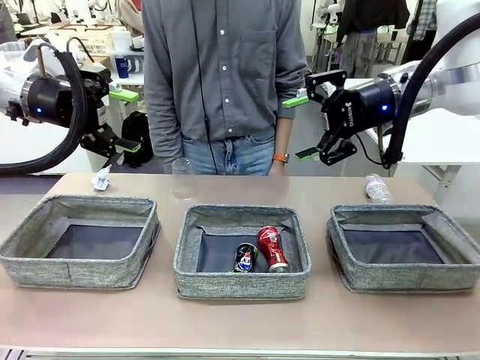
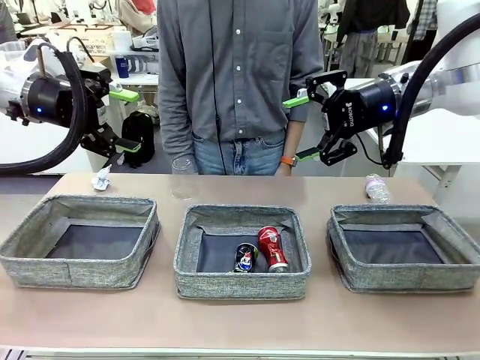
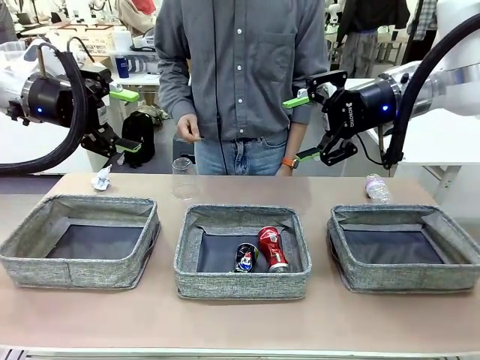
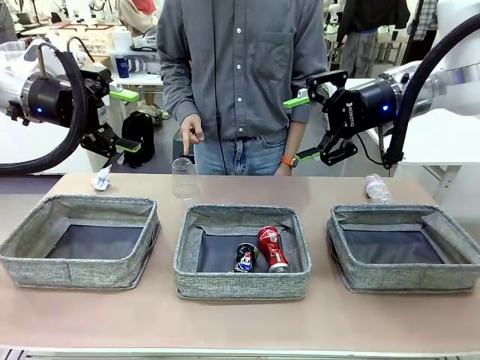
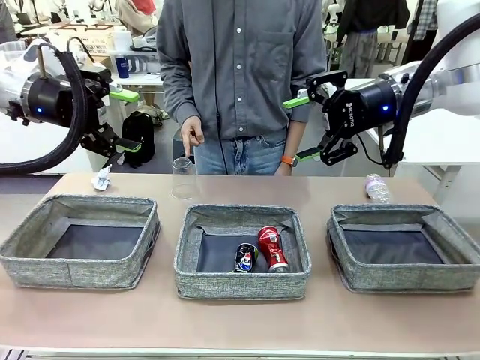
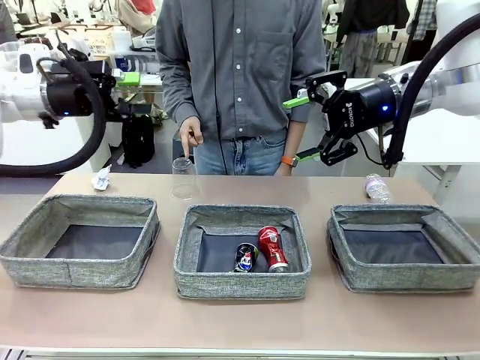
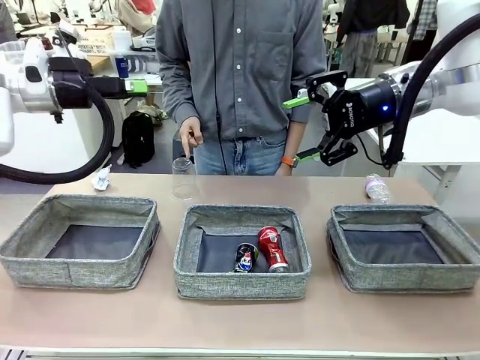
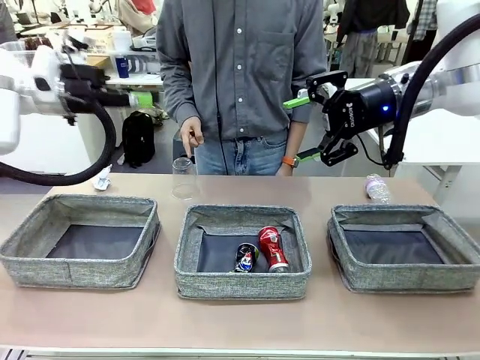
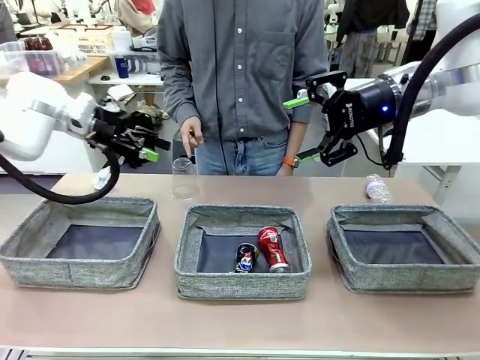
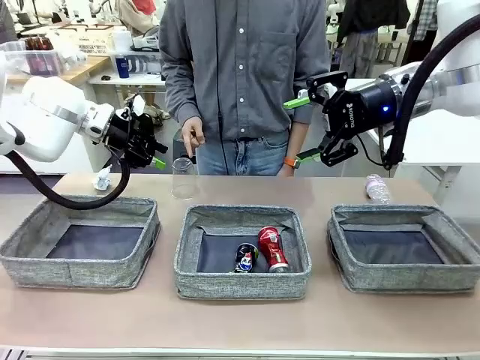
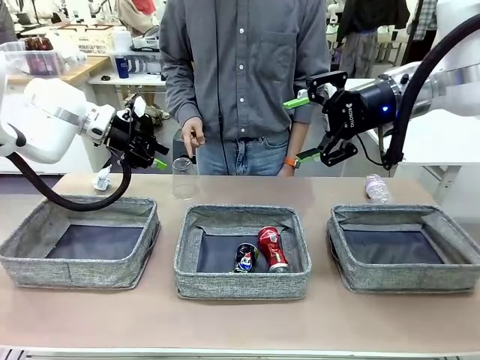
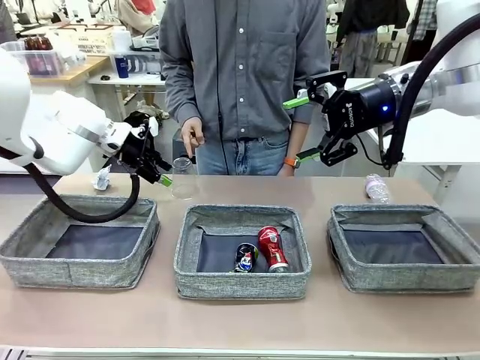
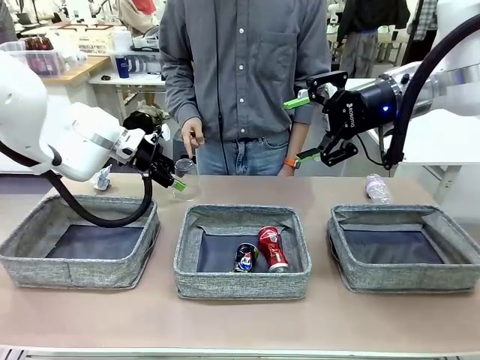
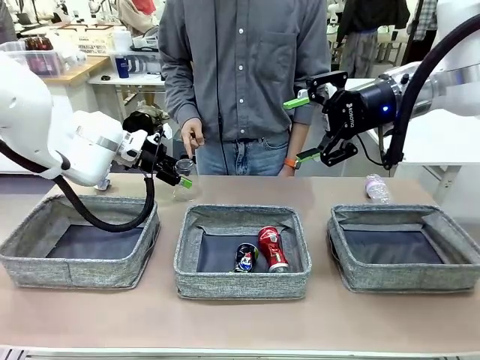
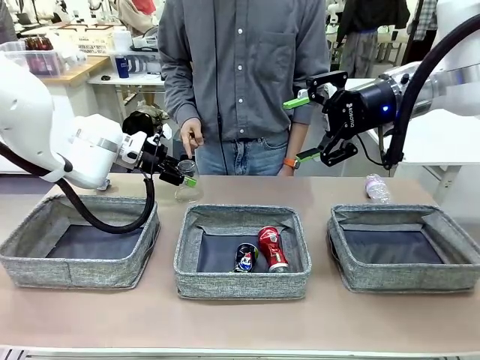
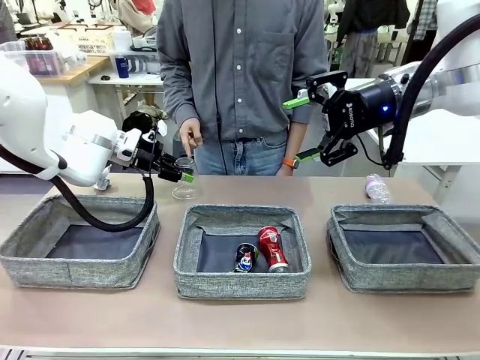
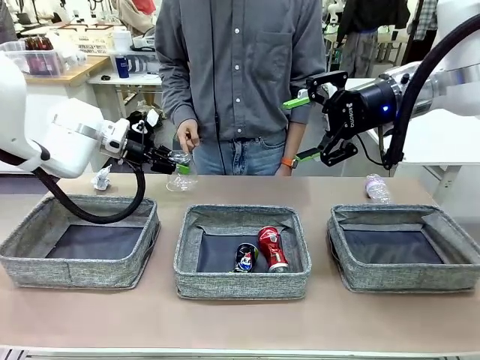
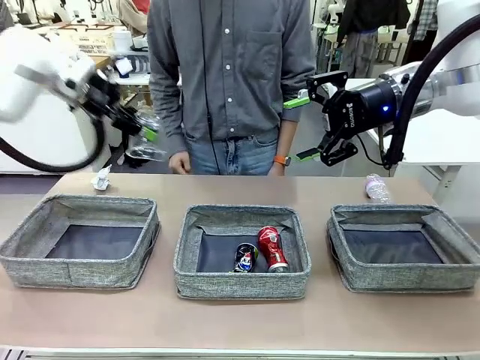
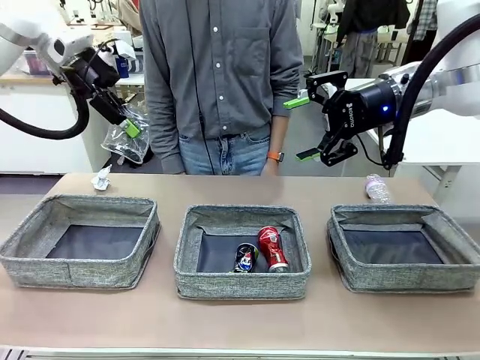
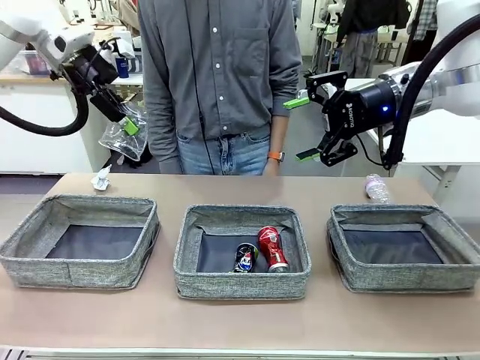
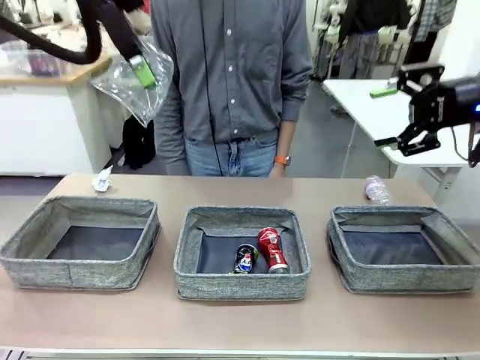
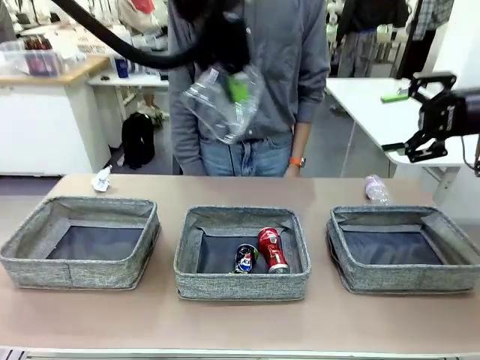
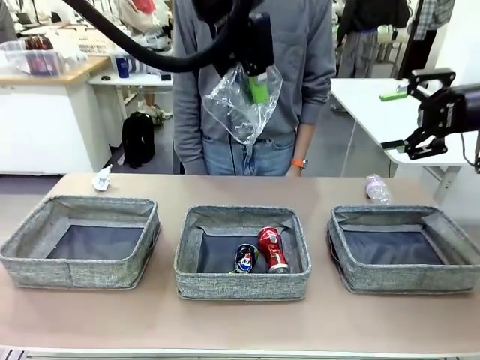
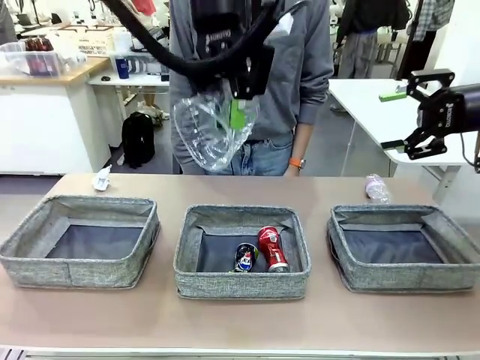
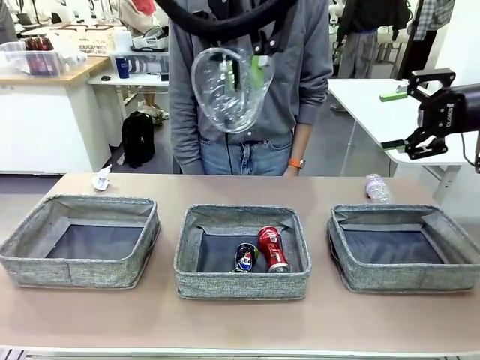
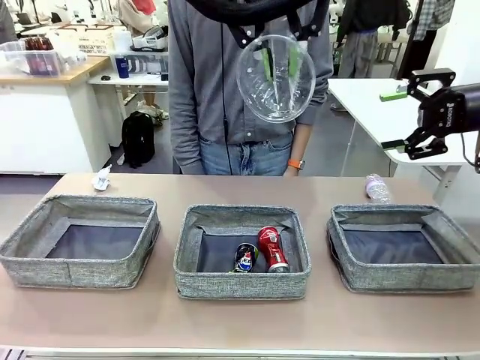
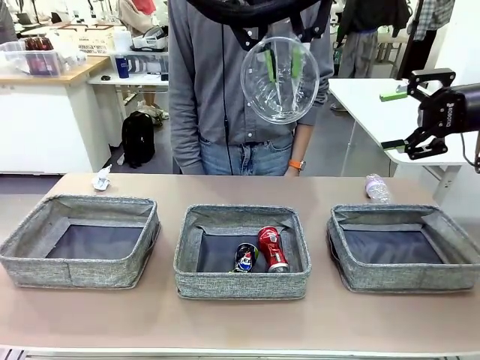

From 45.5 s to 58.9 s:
Task: Sort the waste into the appropriate baskets.
Robot: Pick up the waste item pointed out by the person.
Person: Points to one piece of trash on the table.

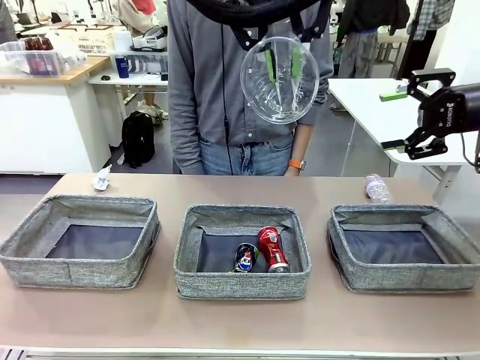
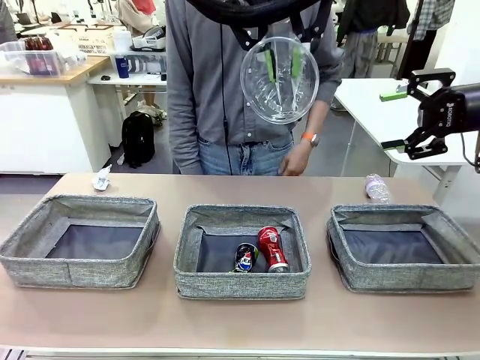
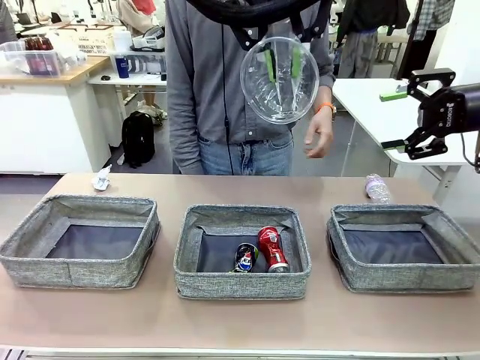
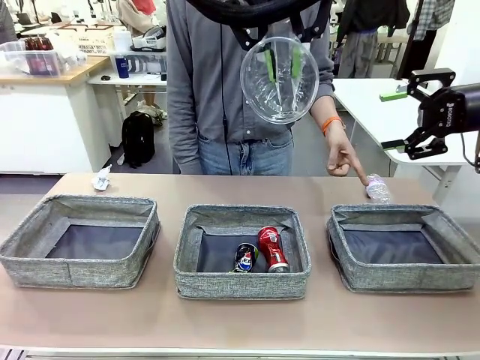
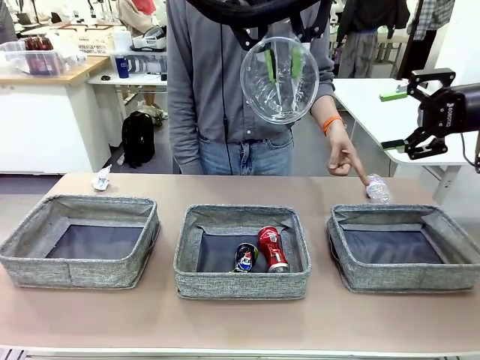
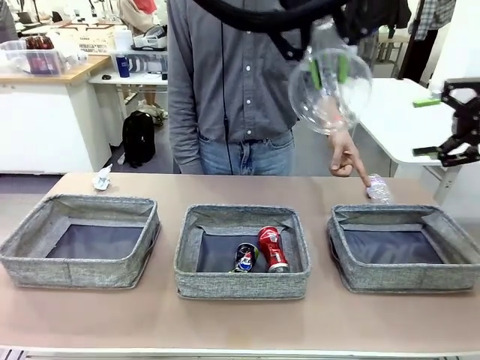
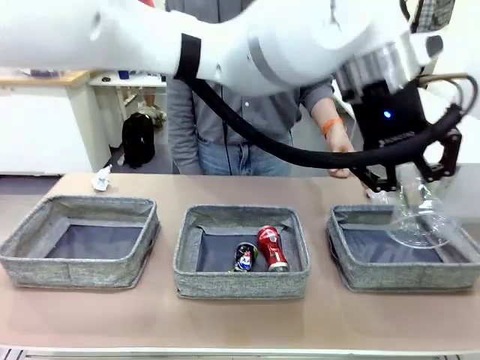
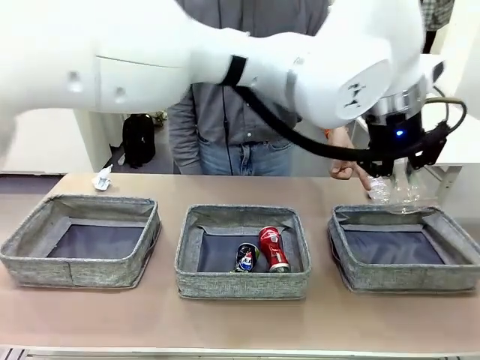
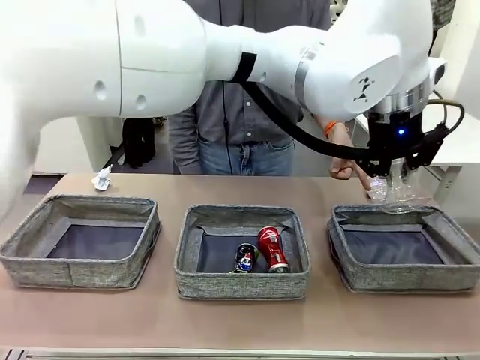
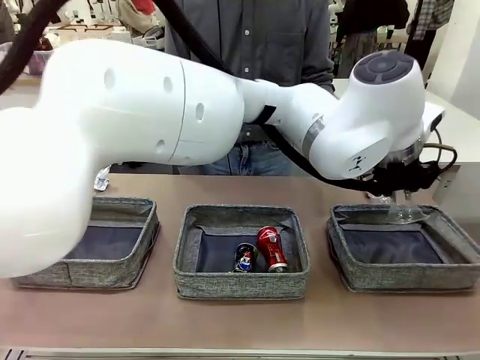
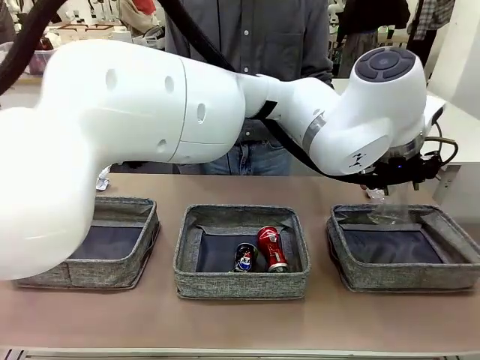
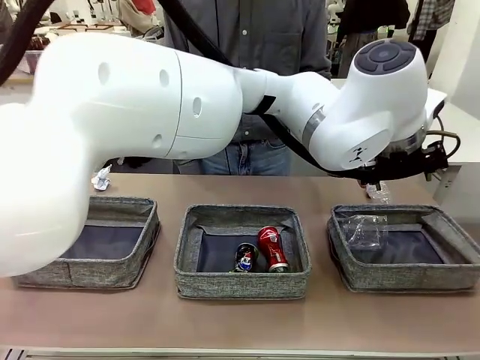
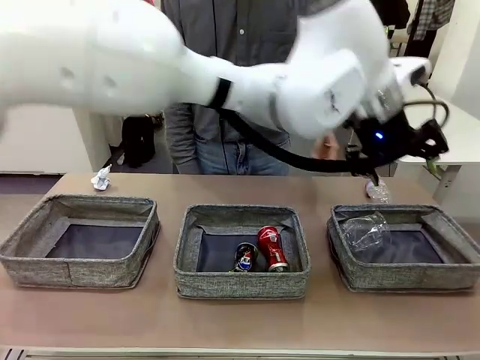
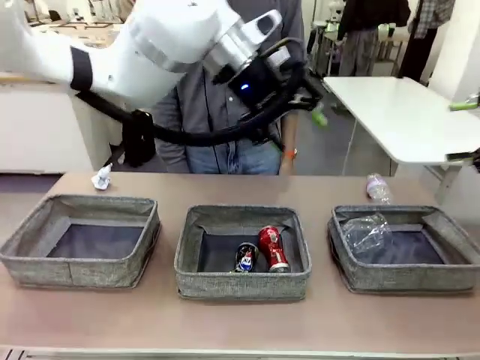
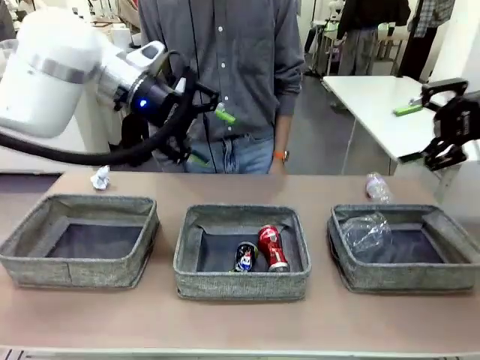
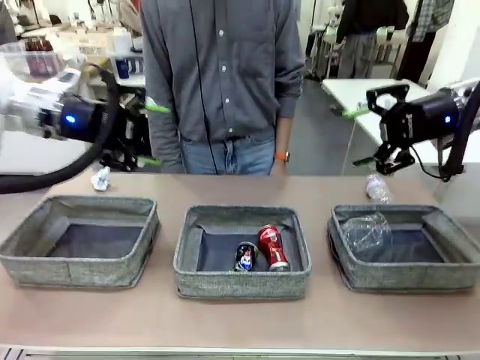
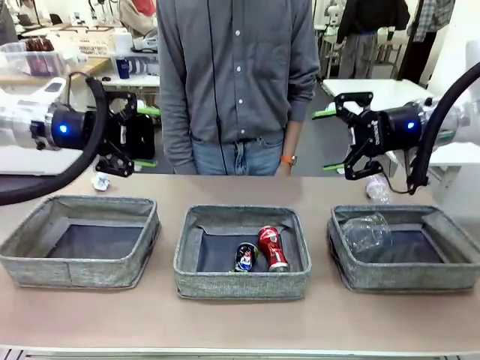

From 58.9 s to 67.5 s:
Robot: Place the picked waste into the Fabric basket indicated by the person.
Person: Instructs the robot to place the picked-up trash into the appropriate organizing basket.

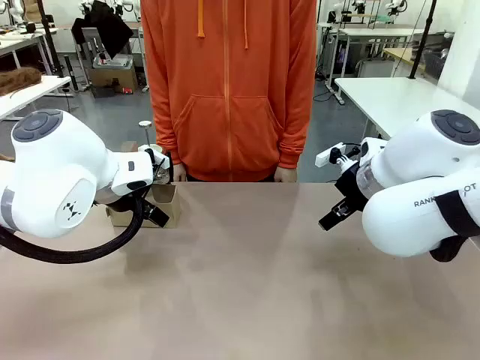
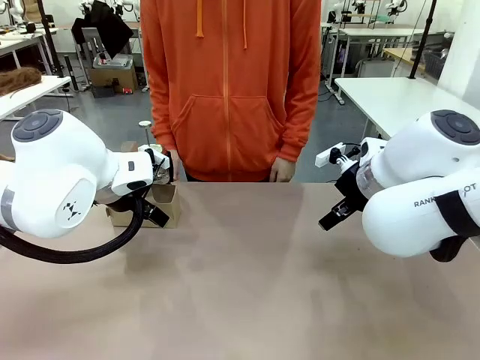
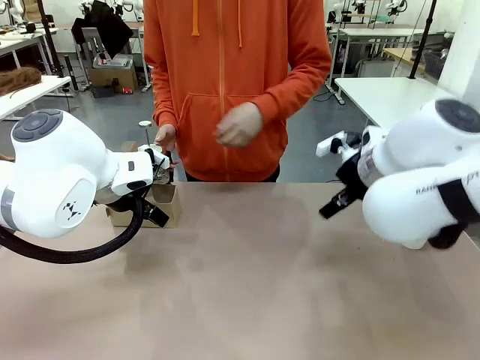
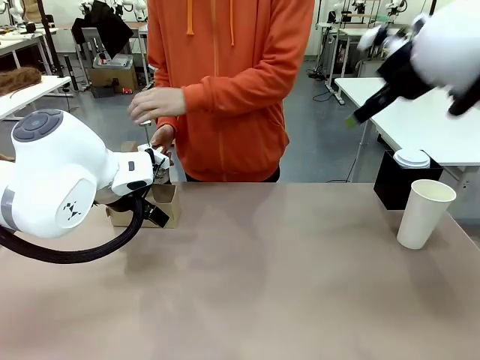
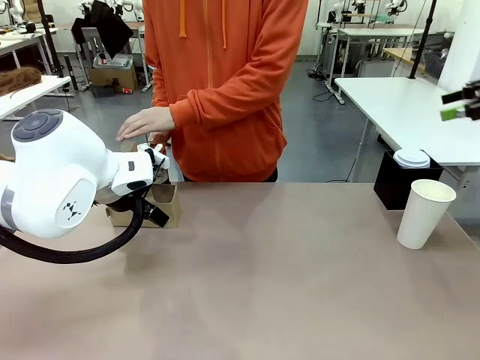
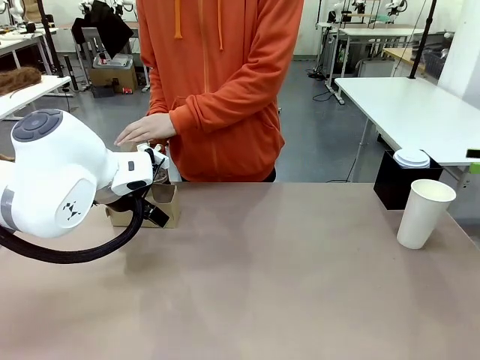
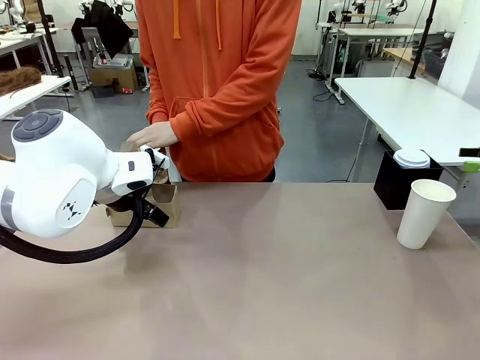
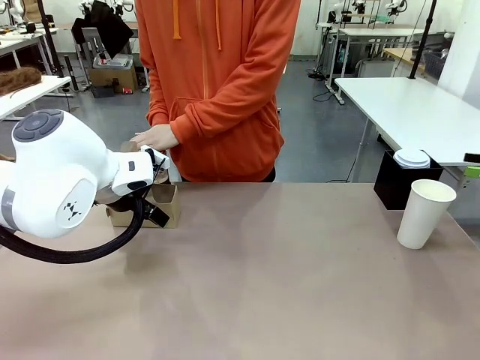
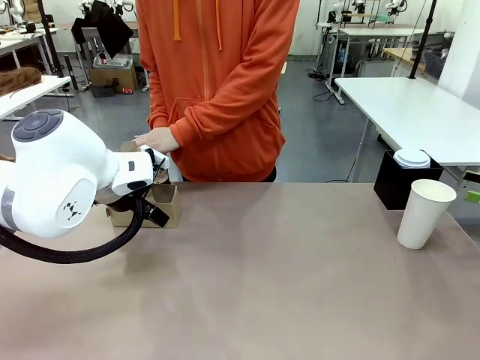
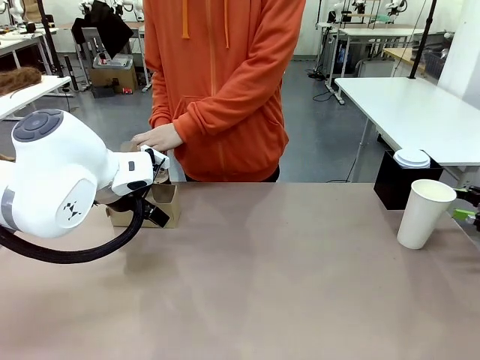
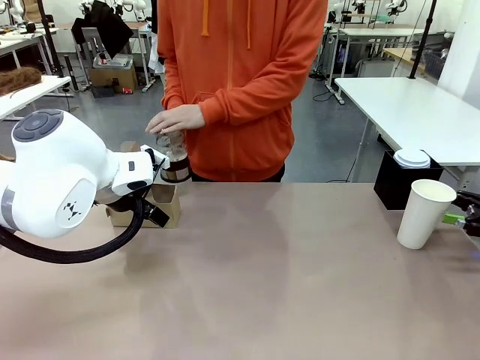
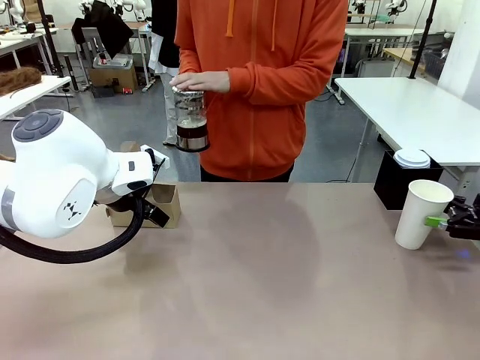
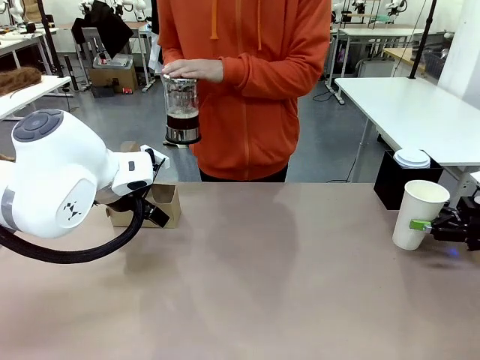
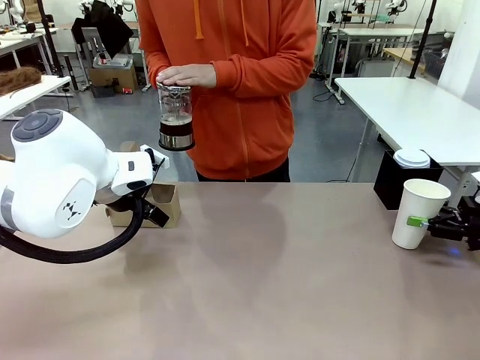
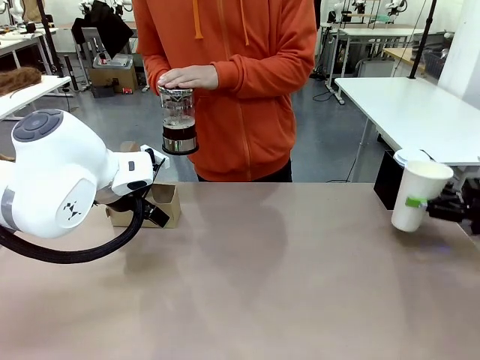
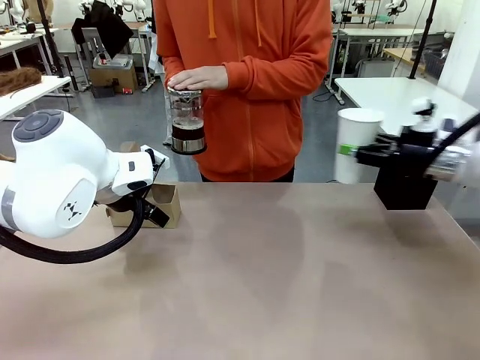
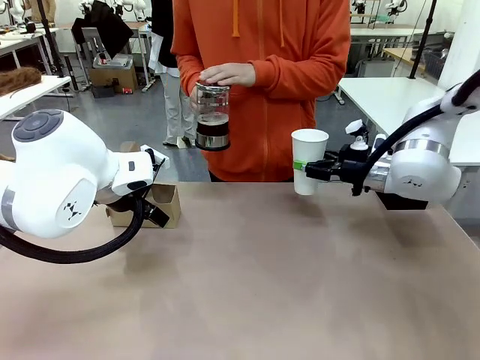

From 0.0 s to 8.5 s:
Task: Pour a drink into a cup and package it in a carrier.
Robot: Pick up the 600 ml Paper Cup and place it in the middle top area of the table.
Person: Press and pick up the Filter Brewing.
